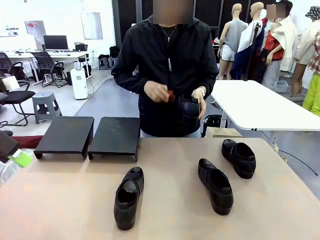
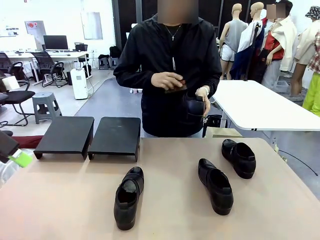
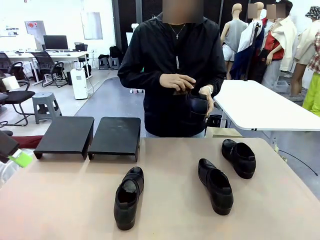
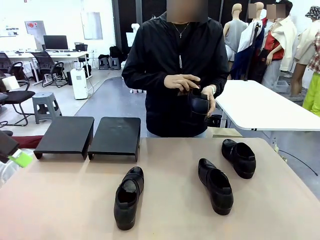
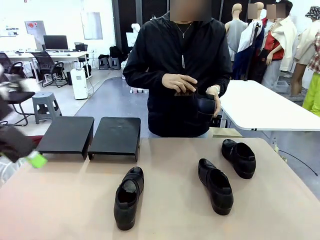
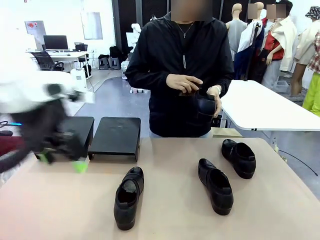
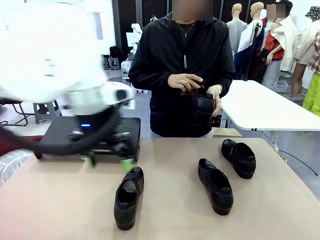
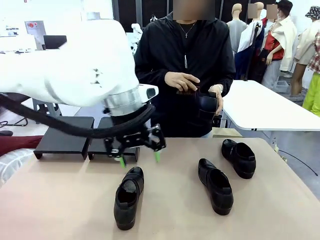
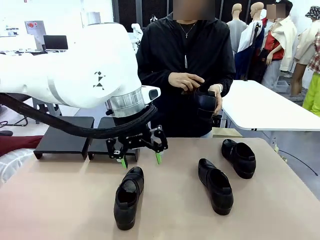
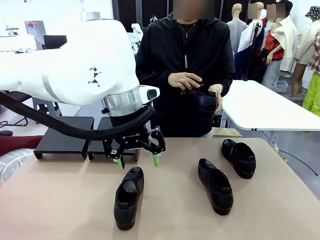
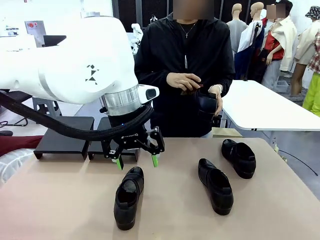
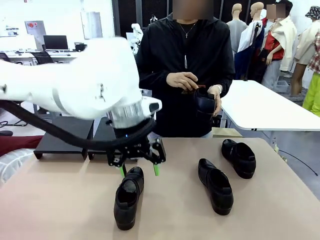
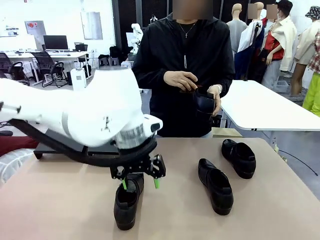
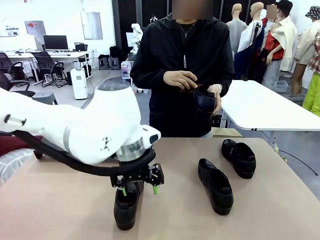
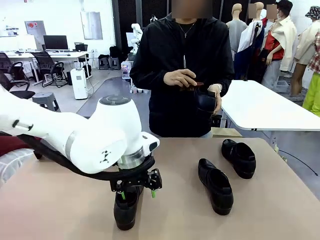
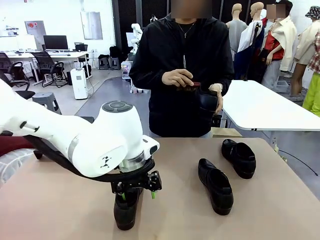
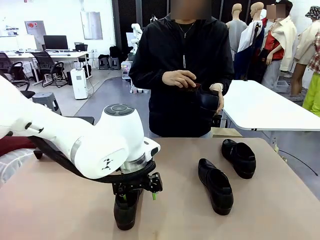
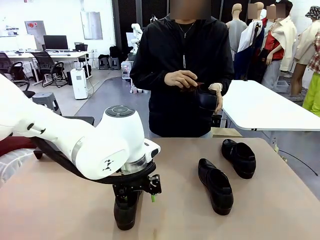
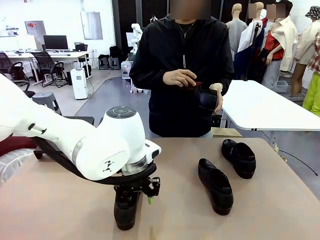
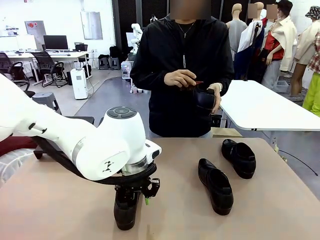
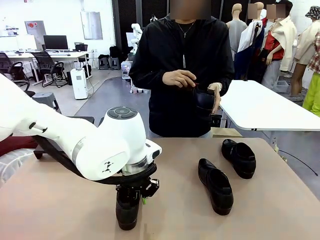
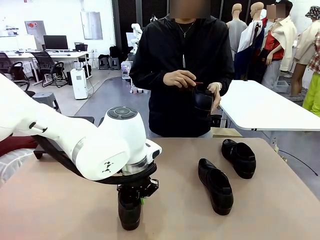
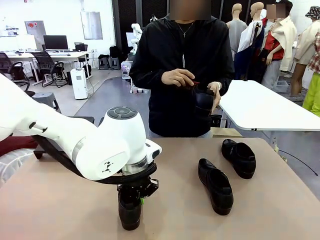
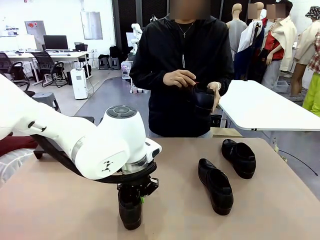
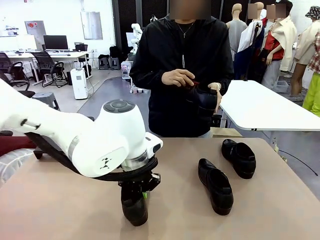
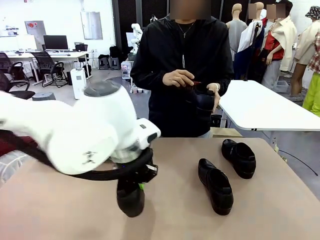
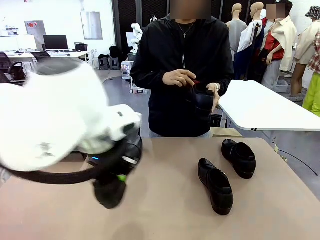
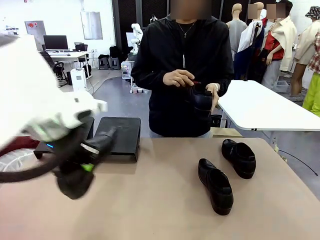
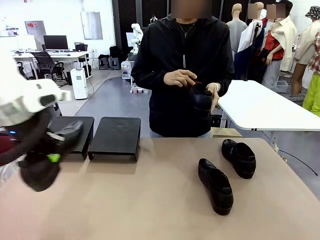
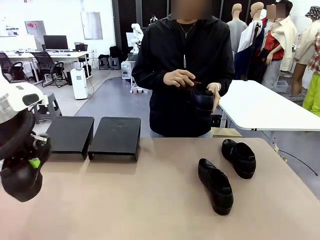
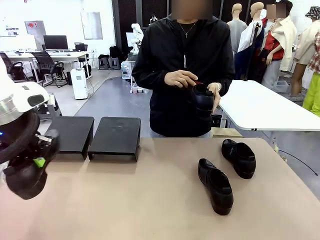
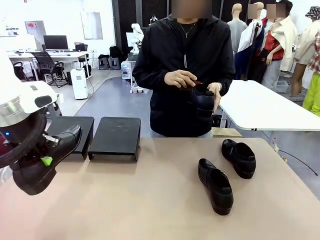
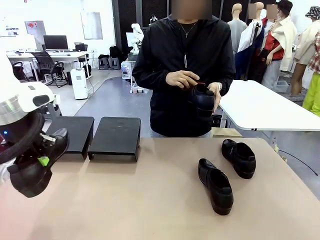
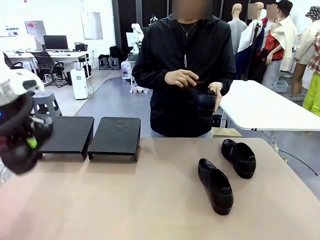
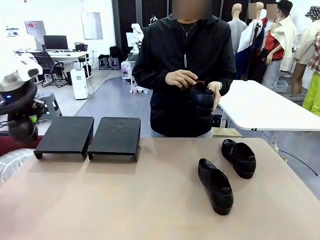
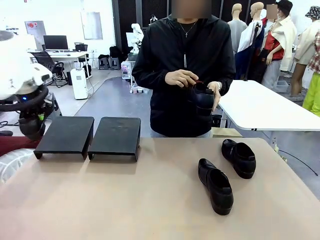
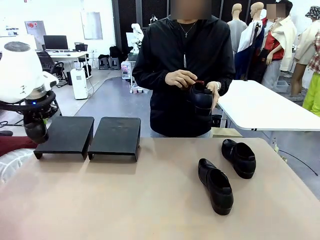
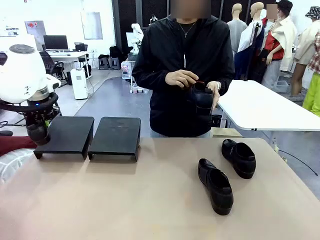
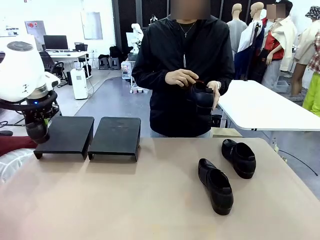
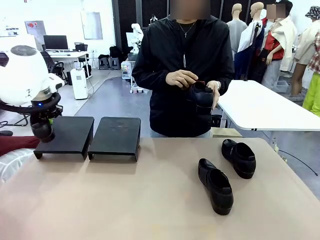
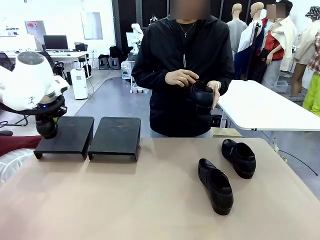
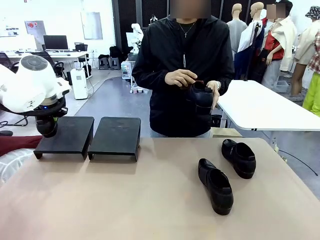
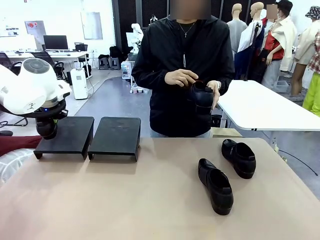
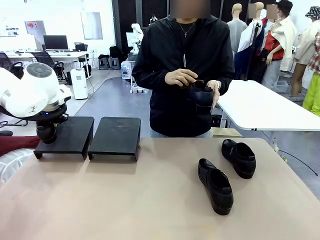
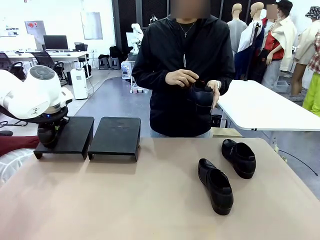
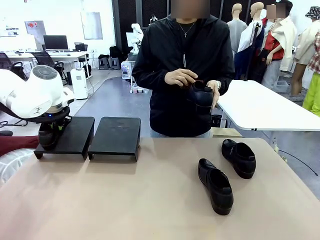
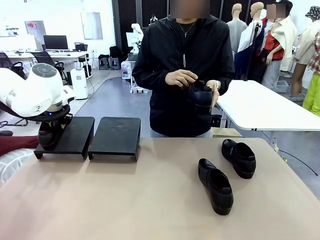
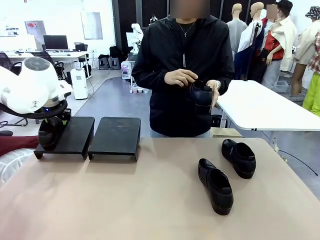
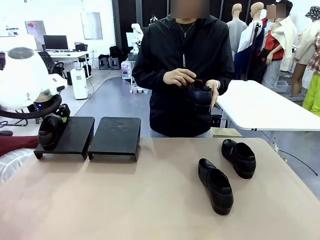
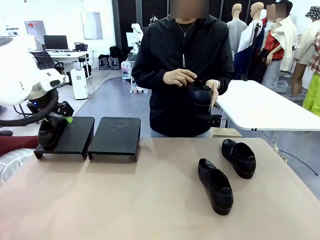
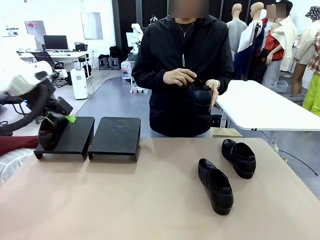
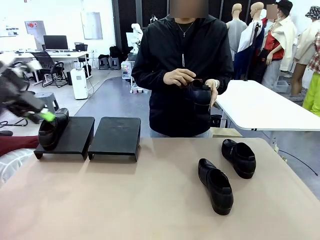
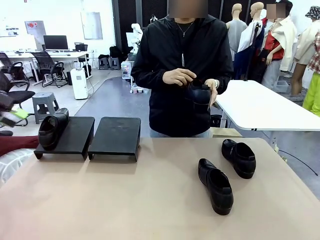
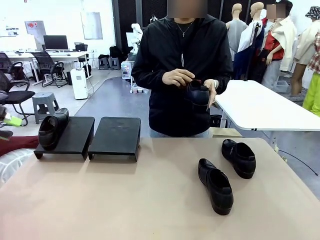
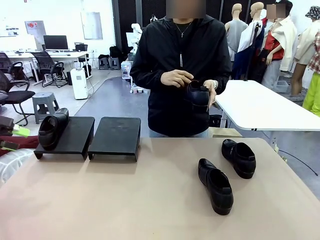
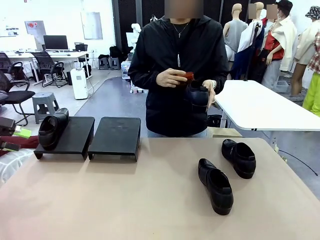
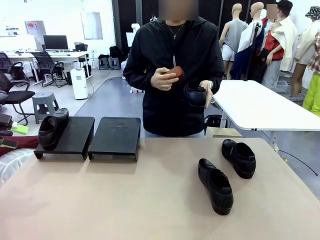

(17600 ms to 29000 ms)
Task: Organize the shoes by placing them on the stand.
Robot: Place the Shoe from the middle of the table onto the Shoes Stand.
Person: Clean the Shoe with the Shoe Brush.

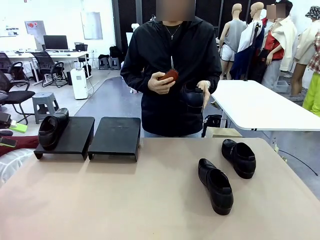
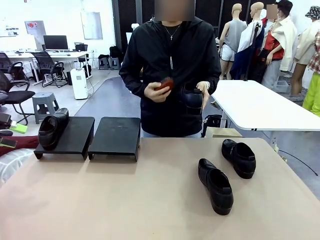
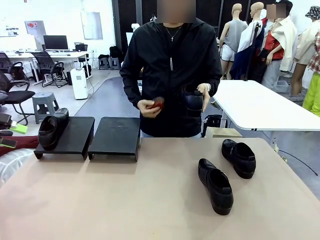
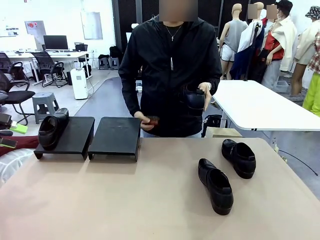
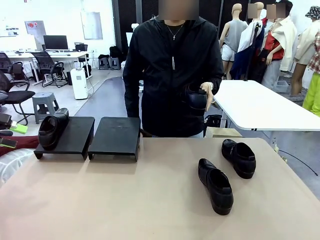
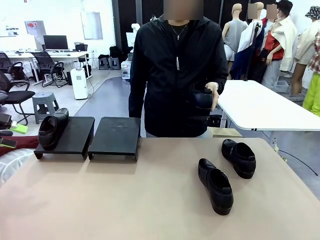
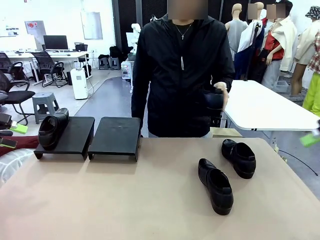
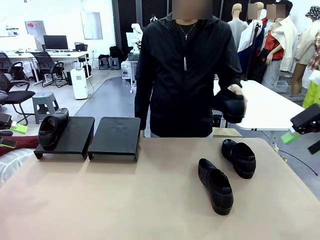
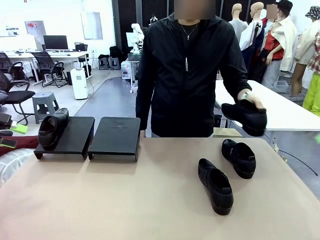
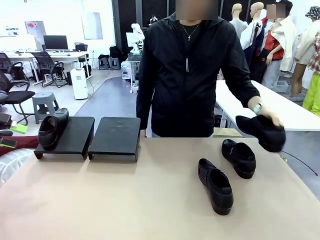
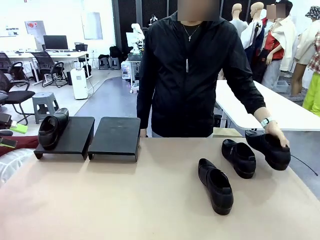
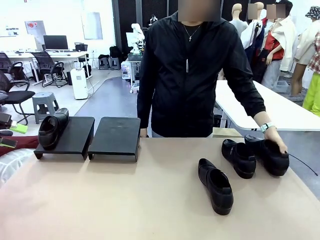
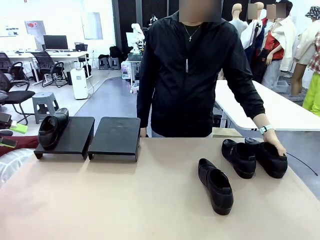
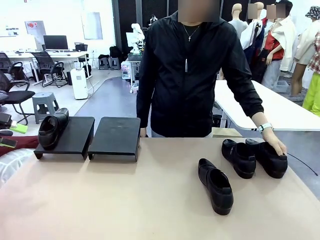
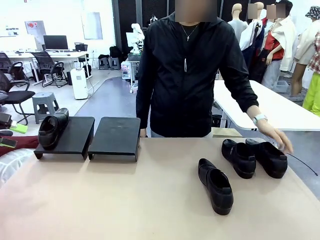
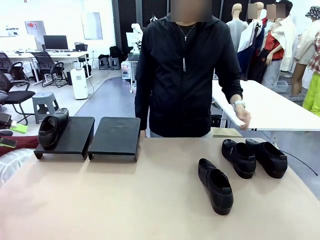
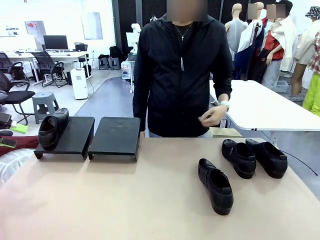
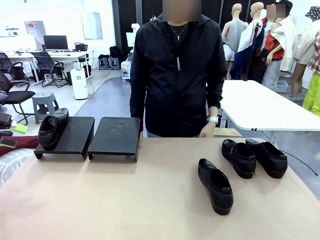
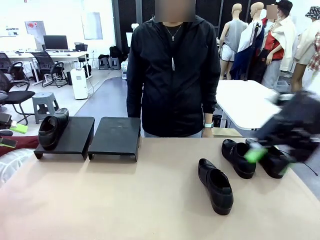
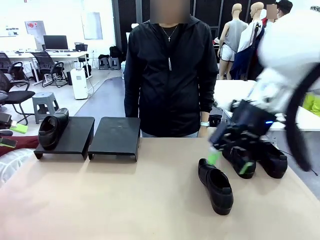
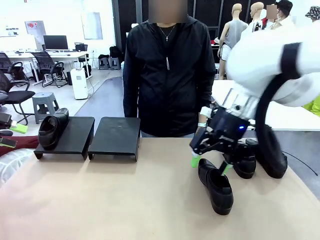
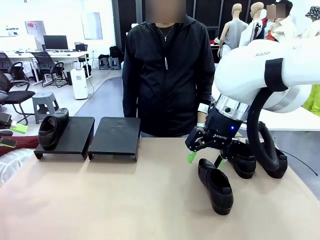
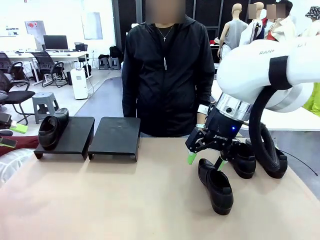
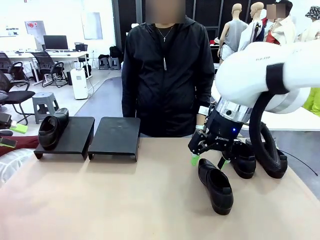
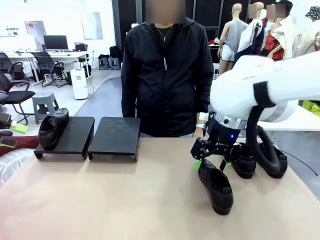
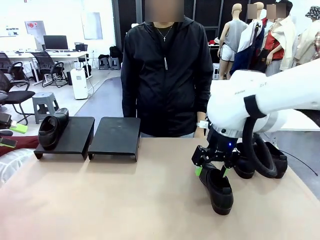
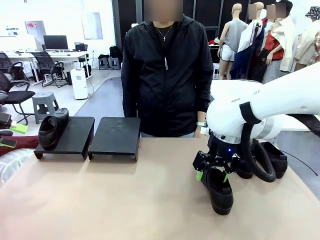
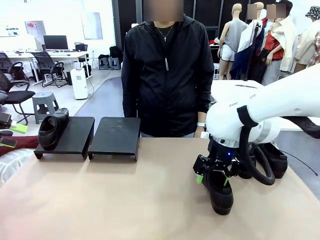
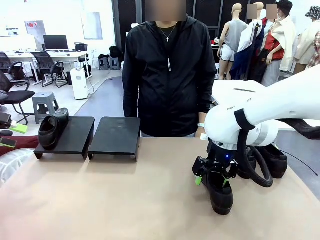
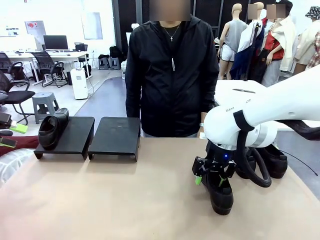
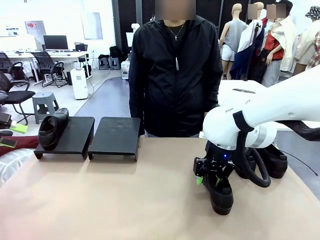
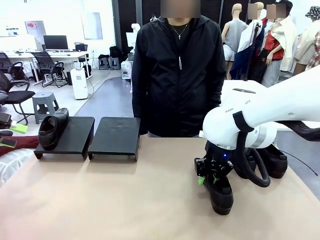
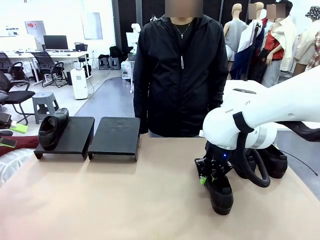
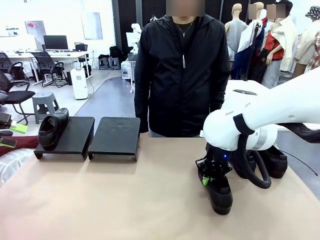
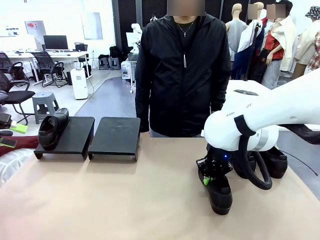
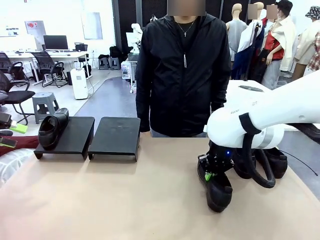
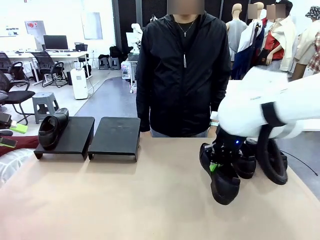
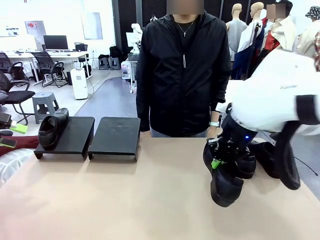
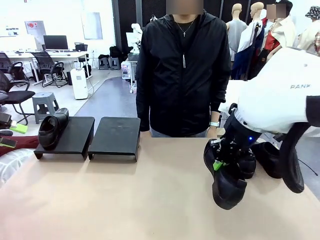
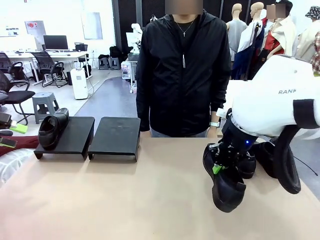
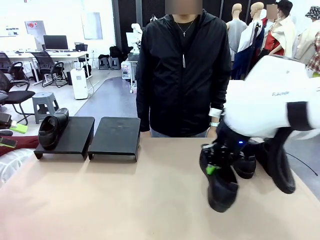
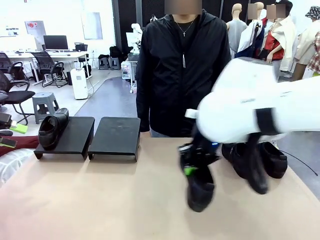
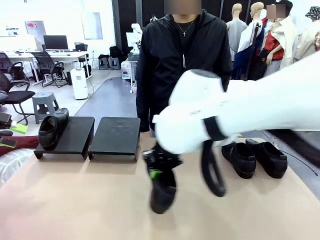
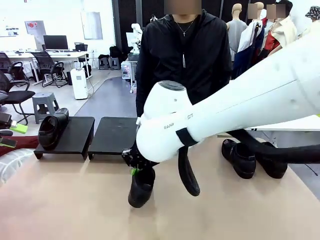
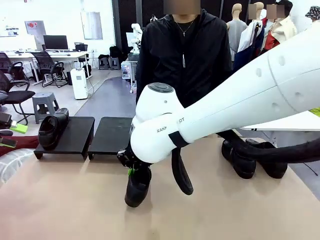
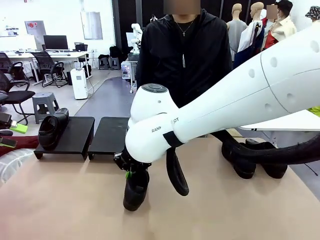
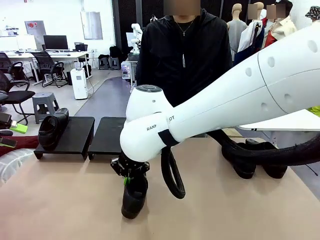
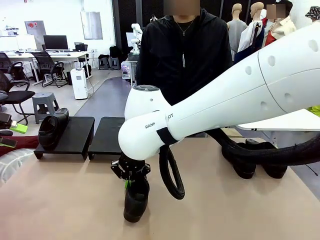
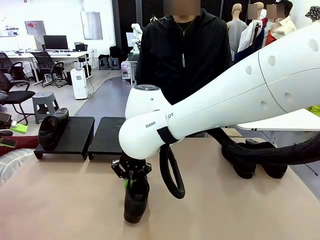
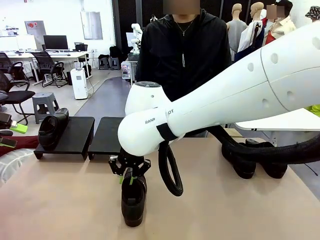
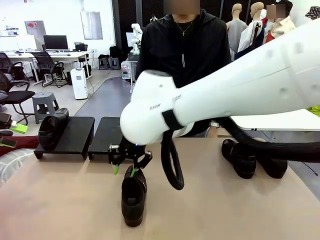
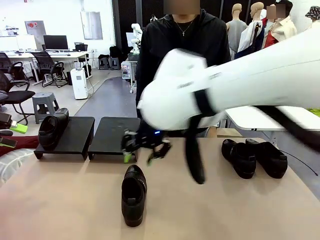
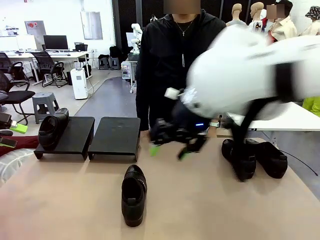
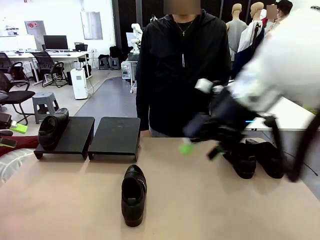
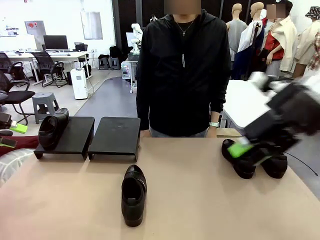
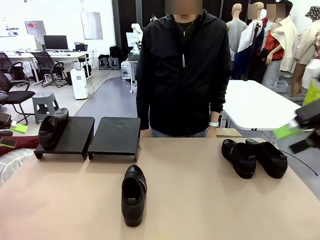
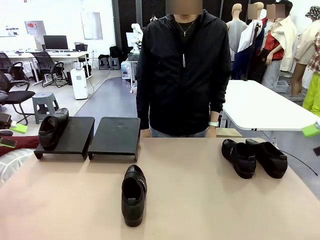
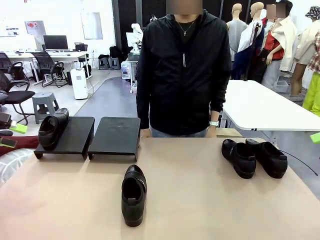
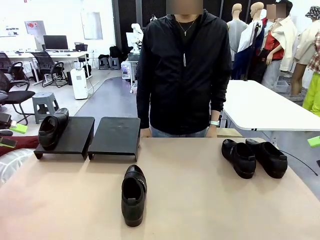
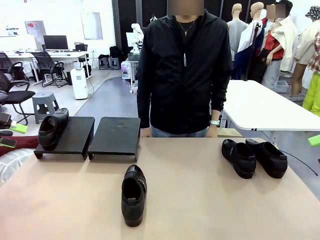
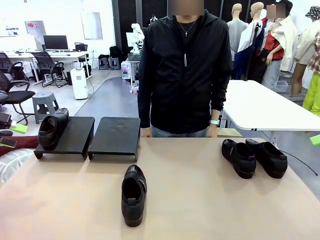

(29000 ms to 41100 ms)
Robot: Pick up one Shoe and place it in the middle of the table.
